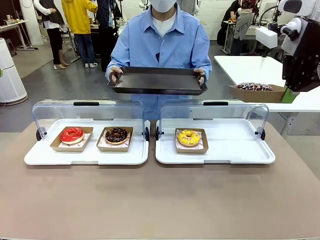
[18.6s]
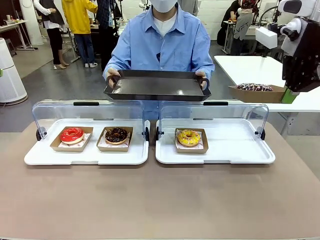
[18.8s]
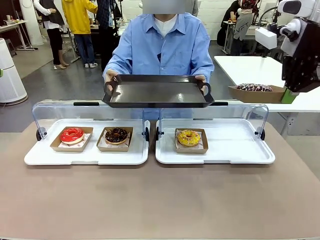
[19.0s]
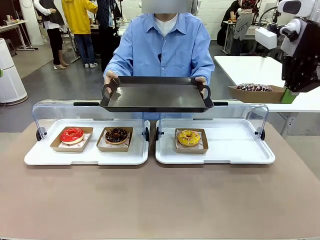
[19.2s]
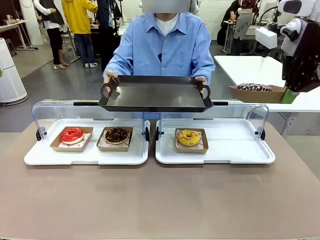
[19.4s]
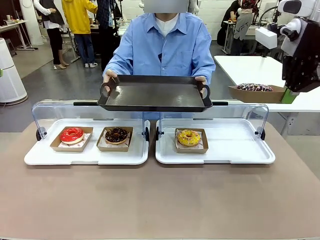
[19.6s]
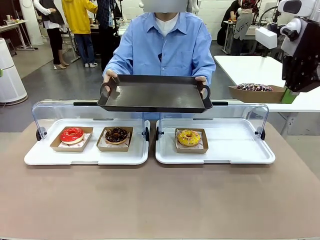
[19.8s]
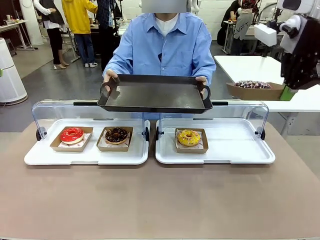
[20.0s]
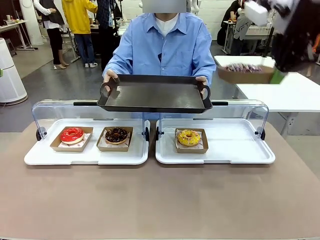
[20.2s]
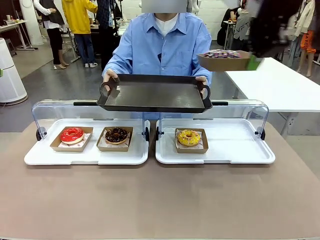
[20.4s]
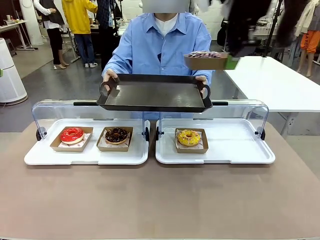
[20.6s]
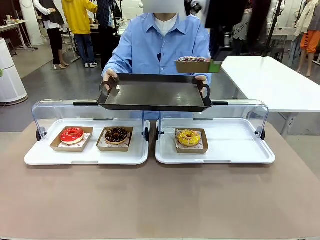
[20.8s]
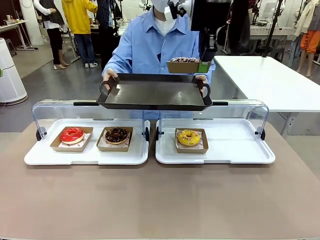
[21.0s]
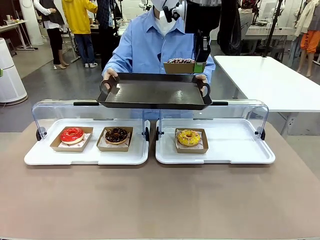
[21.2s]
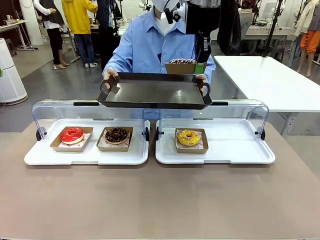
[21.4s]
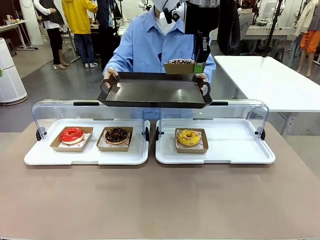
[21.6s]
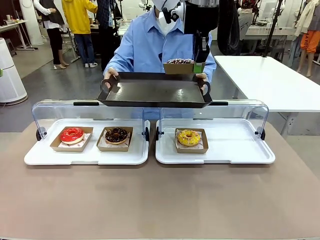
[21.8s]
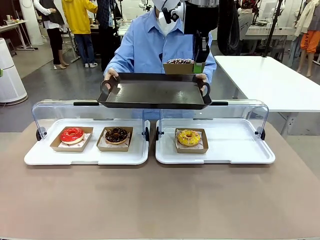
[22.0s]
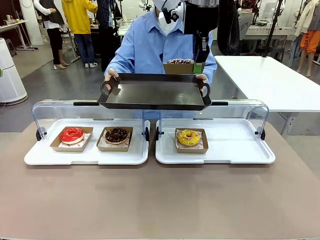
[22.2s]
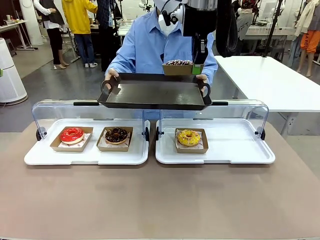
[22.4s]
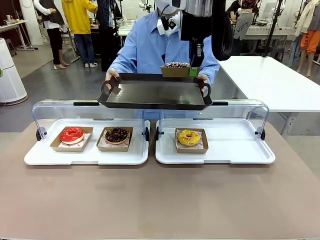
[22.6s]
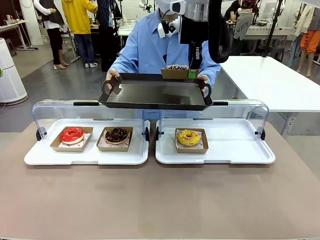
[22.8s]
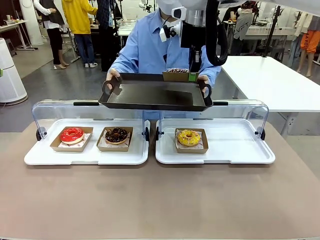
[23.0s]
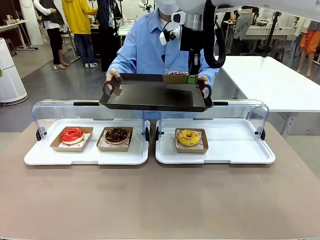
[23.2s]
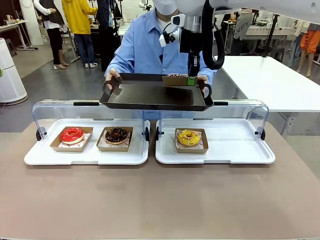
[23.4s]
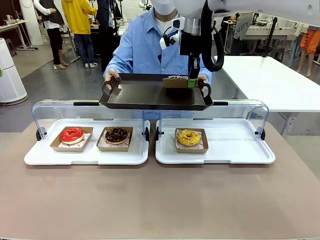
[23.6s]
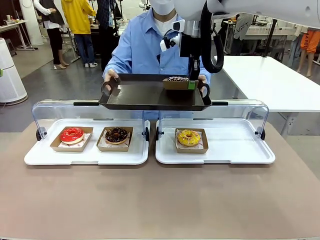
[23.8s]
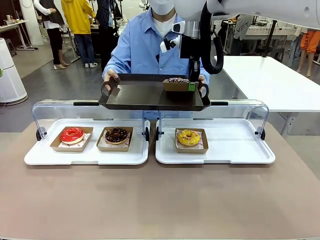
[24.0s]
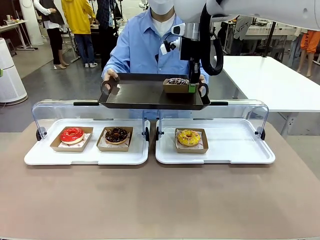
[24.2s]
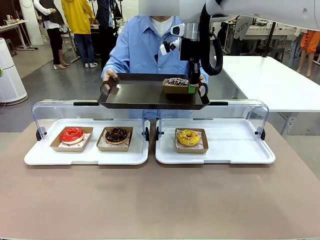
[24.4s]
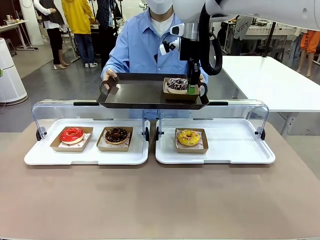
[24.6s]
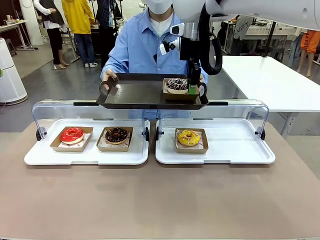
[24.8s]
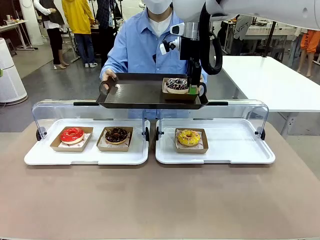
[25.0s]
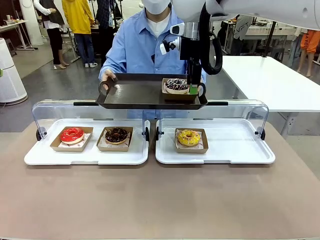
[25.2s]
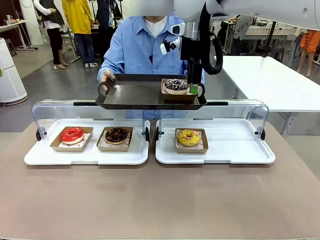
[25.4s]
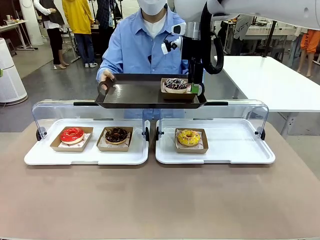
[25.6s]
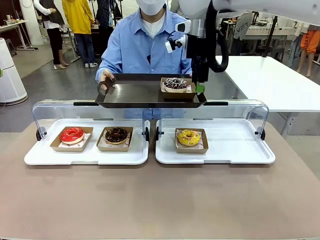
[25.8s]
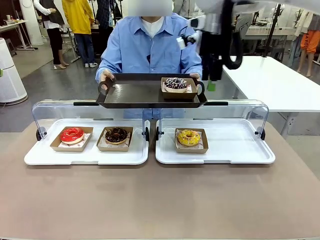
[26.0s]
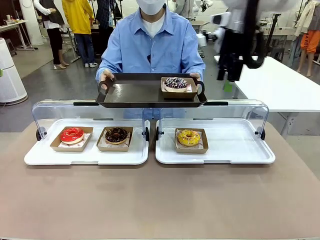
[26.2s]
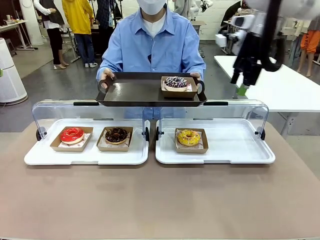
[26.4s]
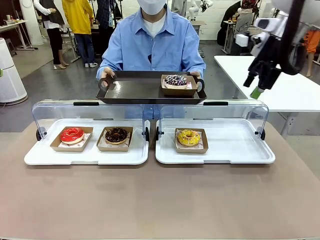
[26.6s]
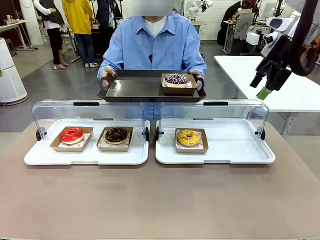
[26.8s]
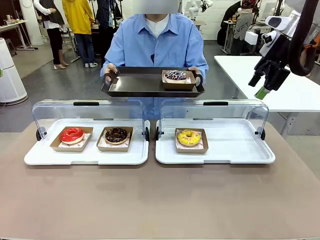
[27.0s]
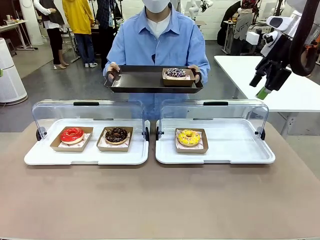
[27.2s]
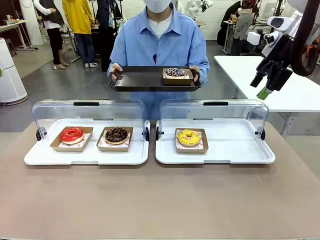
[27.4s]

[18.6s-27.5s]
Task: Provide the desired donut to the person.
Robot: Place the picked Paper togo box onto the Handle tray extended by the person.

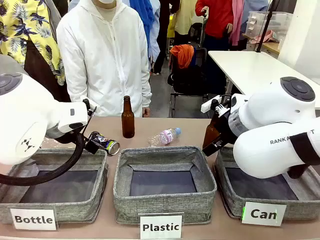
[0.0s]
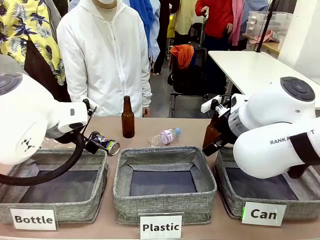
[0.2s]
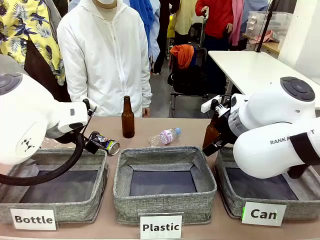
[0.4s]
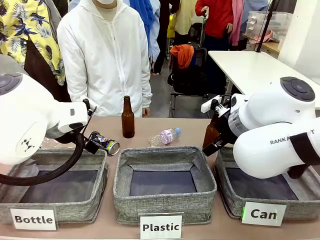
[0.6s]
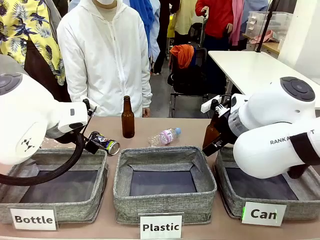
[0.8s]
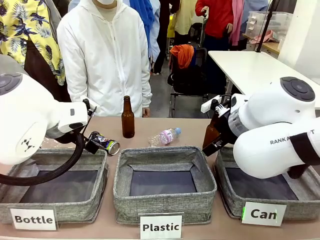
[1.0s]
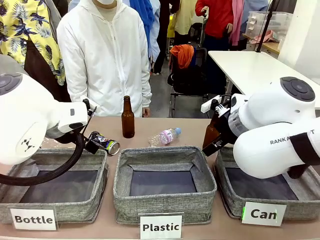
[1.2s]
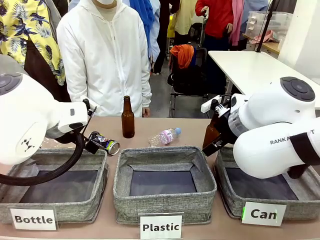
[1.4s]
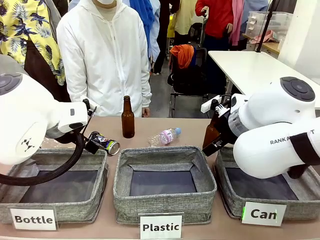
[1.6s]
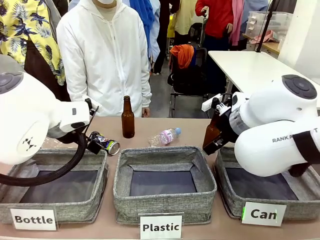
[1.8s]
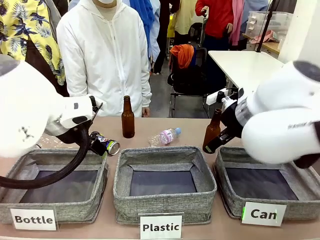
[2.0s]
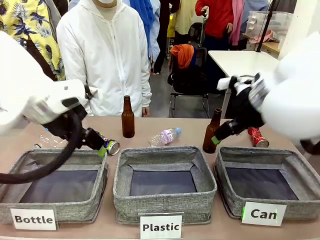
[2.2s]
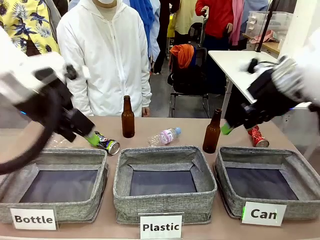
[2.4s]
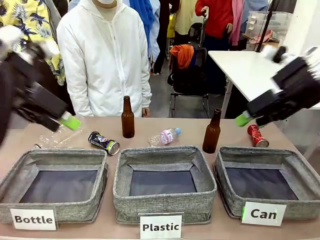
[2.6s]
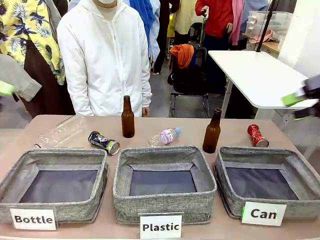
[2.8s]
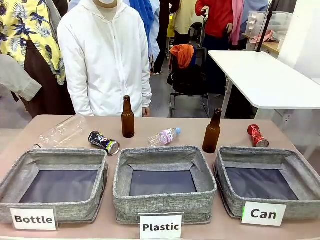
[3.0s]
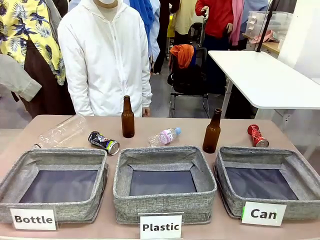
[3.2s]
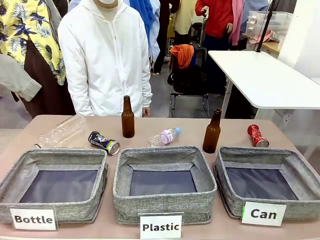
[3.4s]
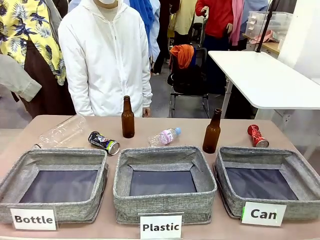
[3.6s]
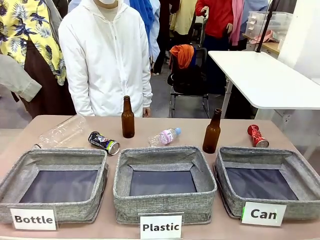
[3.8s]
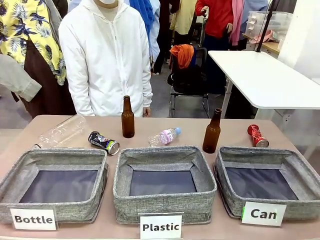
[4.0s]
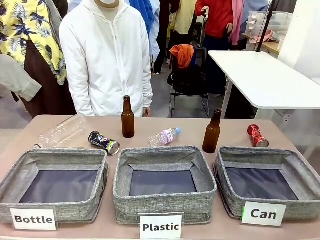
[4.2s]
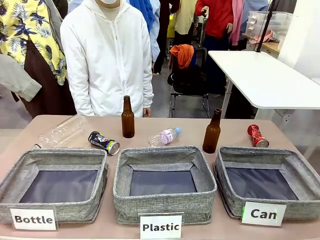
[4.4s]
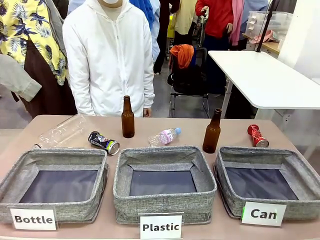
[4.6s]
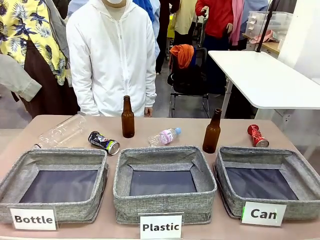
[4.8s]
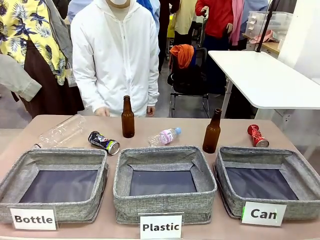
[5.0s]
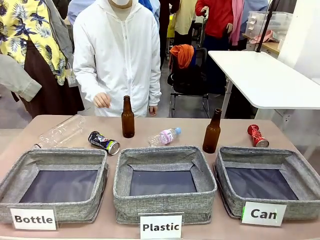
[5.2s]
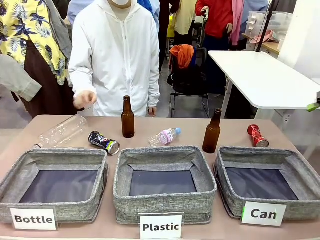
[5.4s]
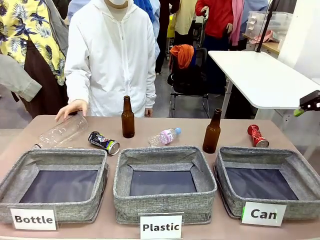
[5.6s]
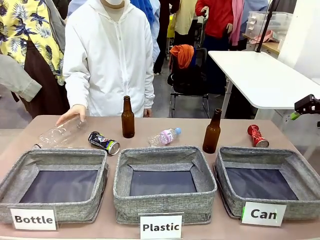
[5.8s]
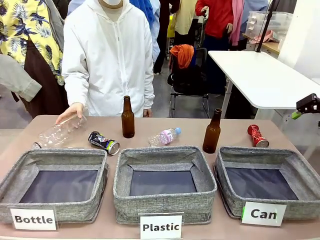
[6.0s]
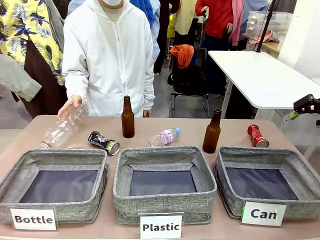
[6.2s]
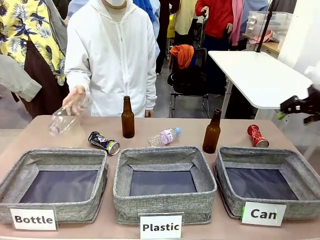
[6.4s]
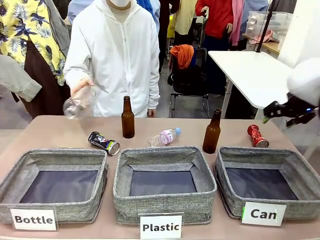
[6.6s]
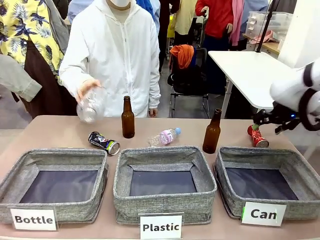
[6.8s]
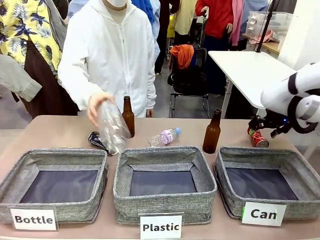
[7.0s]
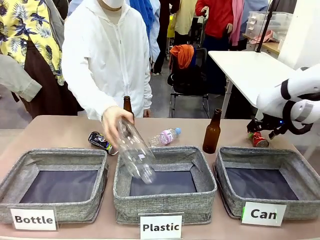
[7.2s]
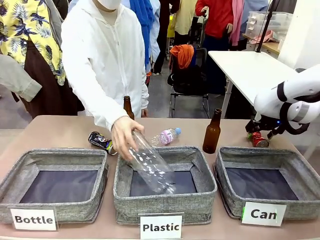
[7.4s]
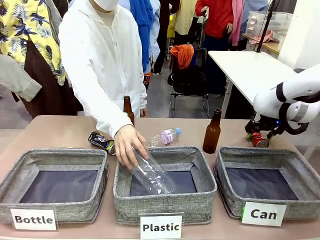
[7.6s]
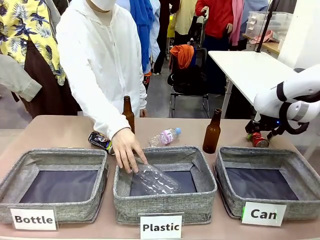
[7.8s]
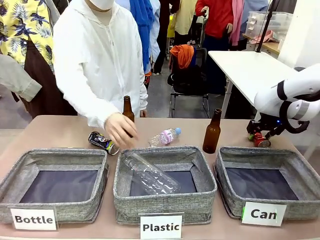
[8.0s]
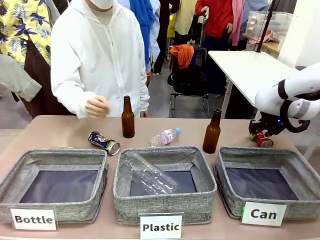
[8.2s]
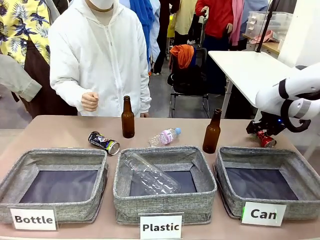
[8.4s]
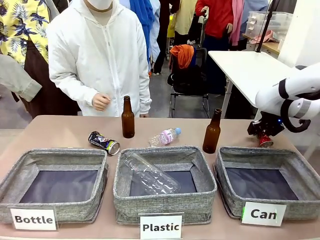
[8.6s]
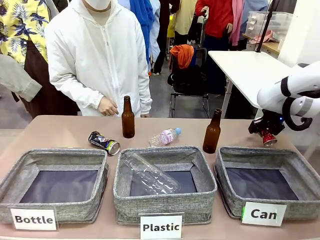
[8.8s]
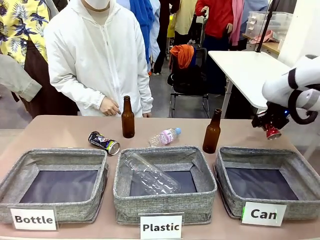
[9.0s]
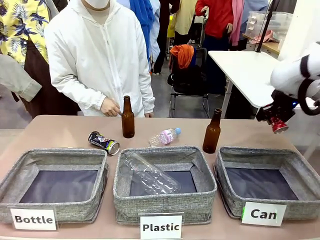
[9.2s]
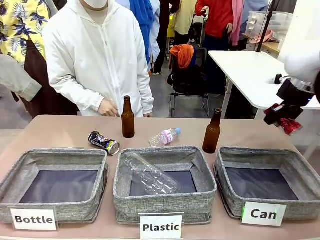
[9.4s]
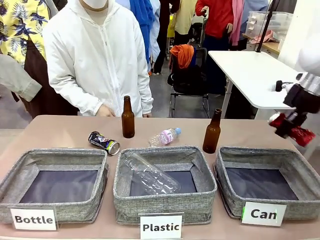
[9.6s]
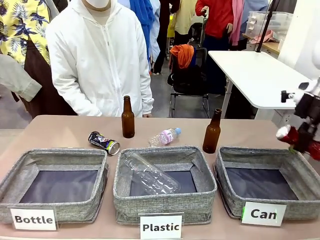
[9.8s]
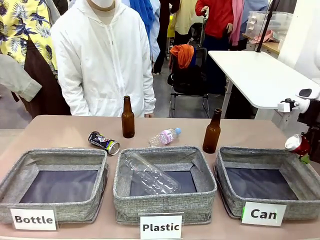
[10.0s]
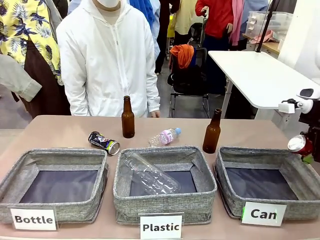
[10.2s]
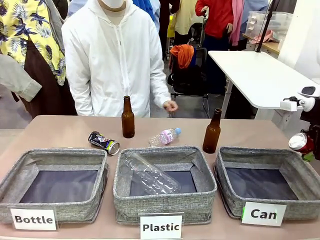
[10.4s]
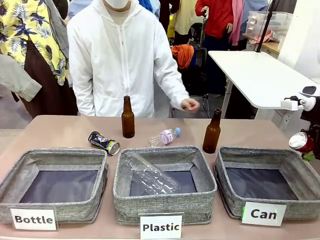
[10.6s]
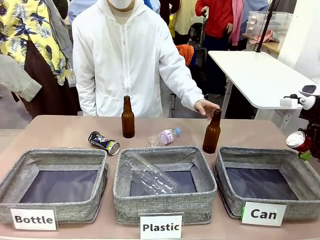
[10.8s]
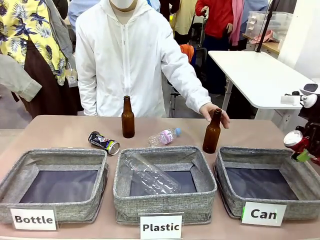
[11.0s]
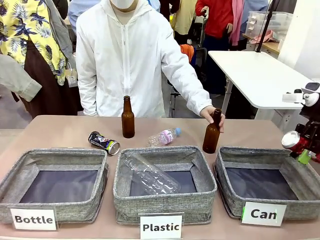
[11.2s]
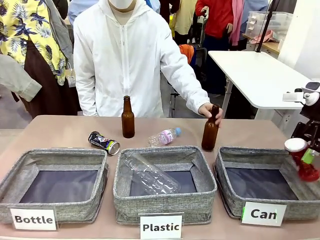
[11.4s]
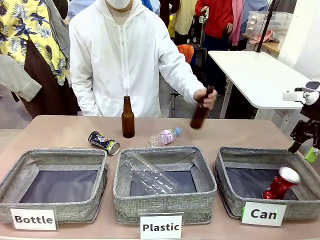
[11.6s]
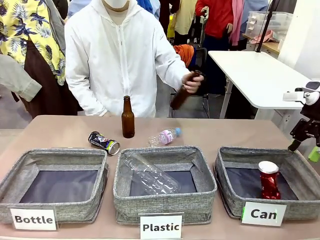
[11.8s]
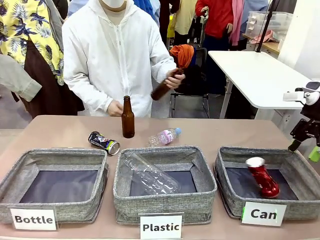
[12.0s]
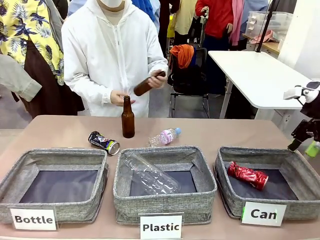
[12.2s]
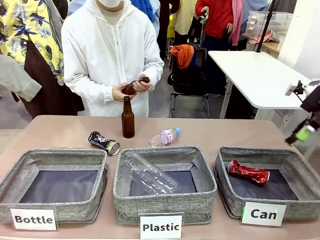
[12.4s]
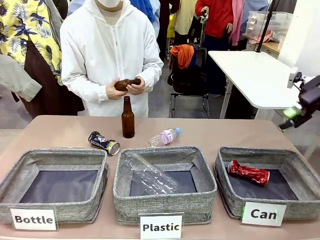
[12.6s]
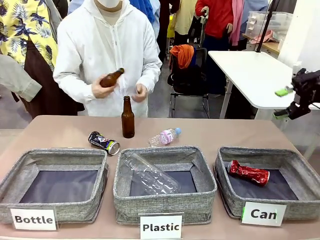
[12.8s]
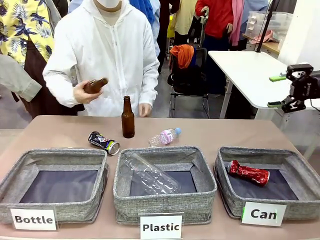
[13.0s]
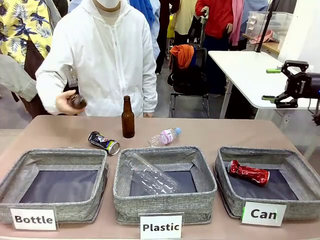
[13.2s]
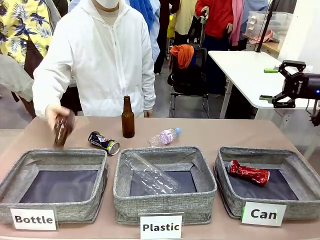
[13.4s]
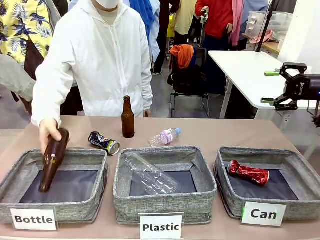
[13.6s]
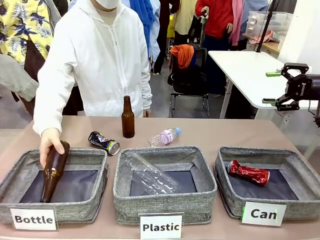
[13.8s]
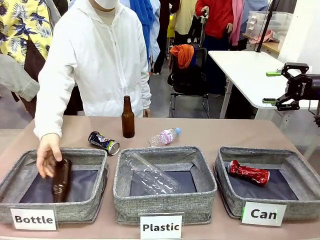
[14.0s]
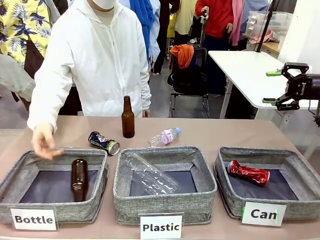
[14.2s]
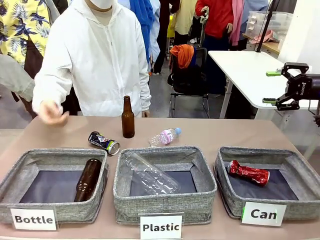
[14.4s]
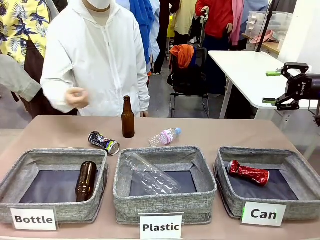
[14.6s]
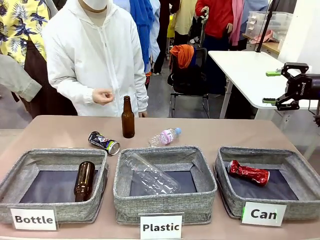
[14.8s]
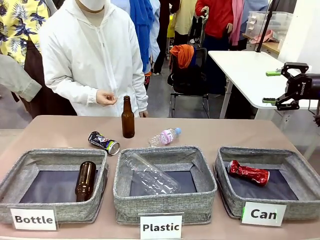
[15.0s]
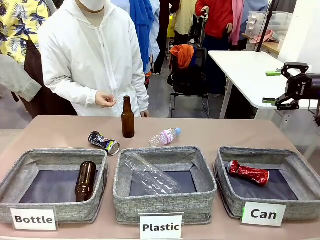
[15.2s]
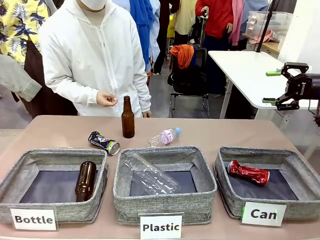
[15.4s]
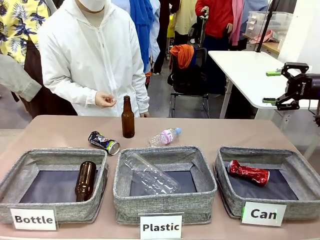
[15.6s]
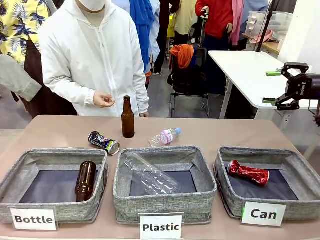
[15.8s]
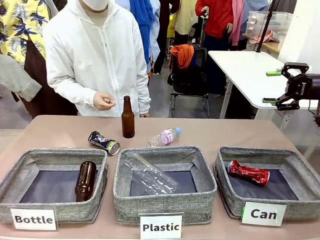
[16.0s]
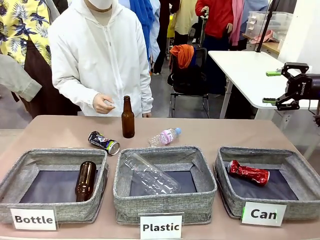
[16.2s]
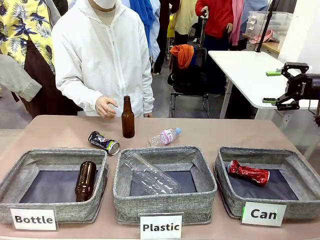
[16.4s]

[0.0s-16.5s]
Task: Sort the can waste into the basket.
Robot: Pick up the can waste from the table and place it in the right Fabric basket.
